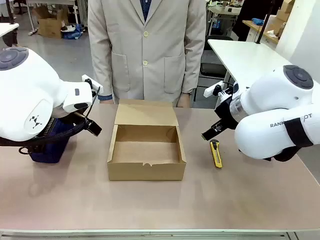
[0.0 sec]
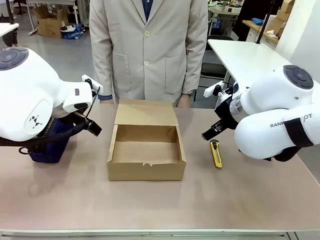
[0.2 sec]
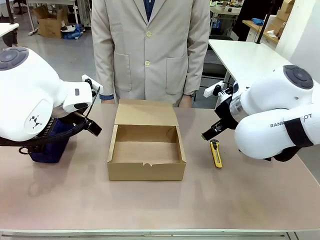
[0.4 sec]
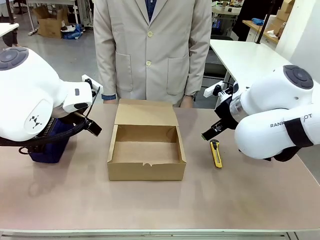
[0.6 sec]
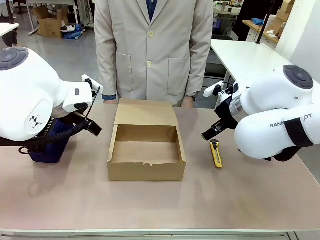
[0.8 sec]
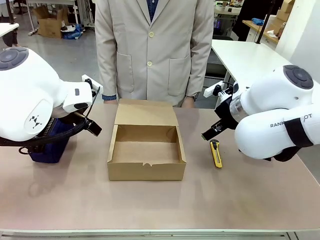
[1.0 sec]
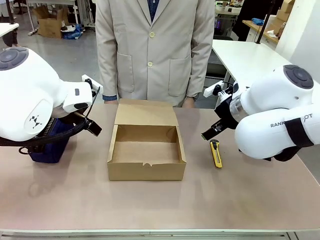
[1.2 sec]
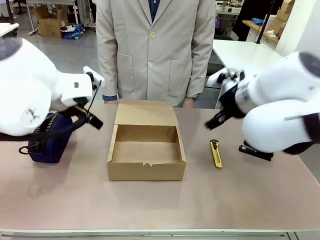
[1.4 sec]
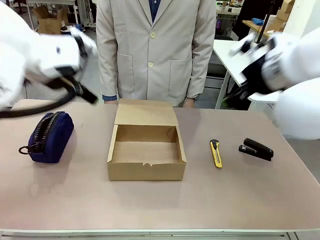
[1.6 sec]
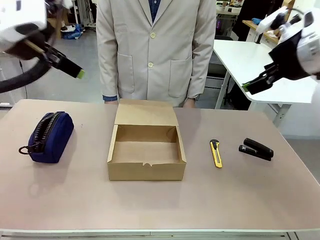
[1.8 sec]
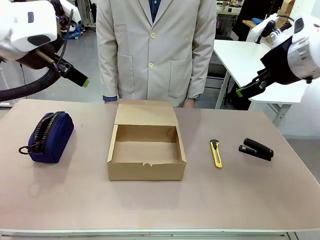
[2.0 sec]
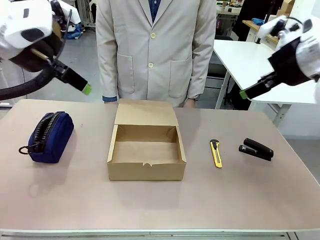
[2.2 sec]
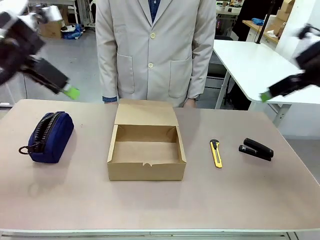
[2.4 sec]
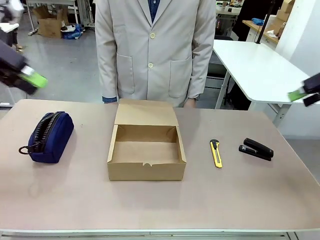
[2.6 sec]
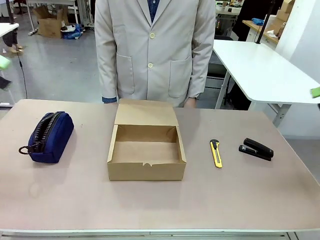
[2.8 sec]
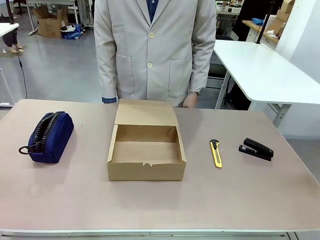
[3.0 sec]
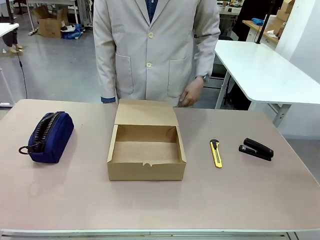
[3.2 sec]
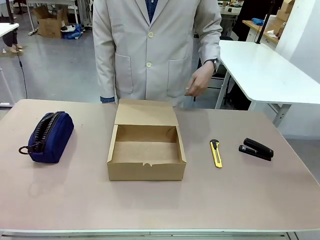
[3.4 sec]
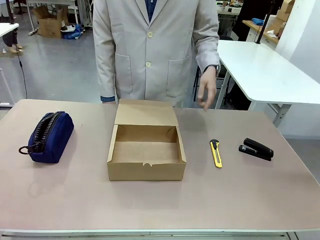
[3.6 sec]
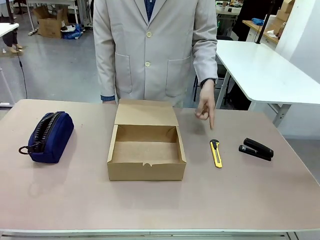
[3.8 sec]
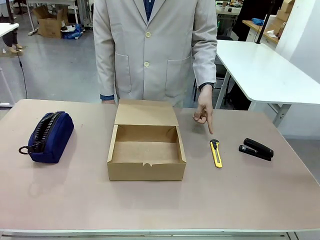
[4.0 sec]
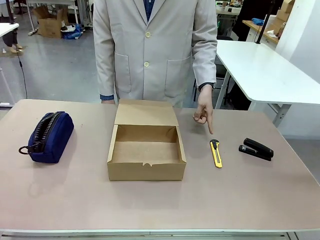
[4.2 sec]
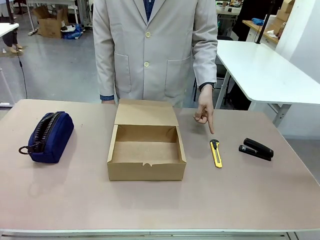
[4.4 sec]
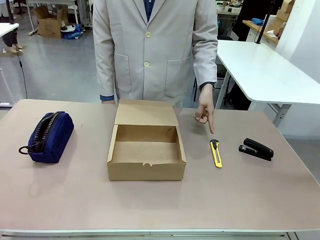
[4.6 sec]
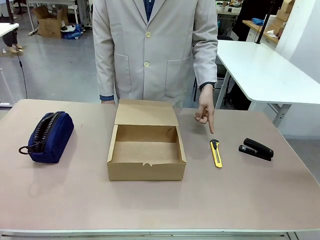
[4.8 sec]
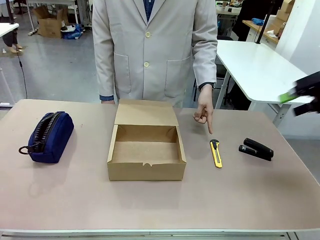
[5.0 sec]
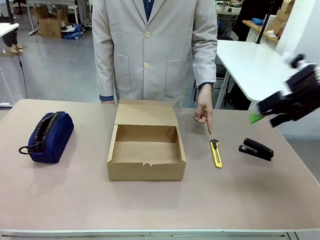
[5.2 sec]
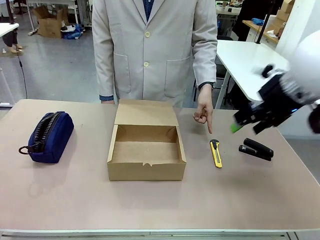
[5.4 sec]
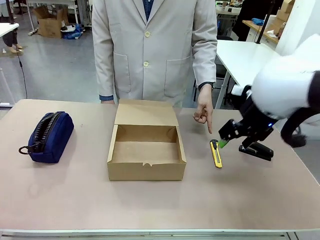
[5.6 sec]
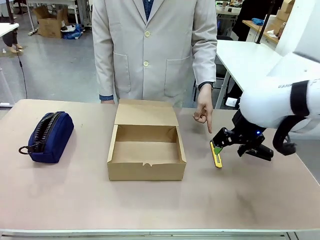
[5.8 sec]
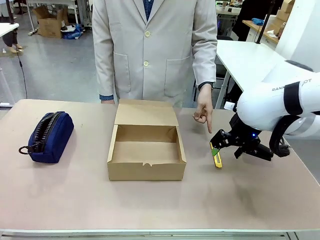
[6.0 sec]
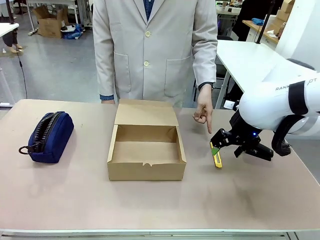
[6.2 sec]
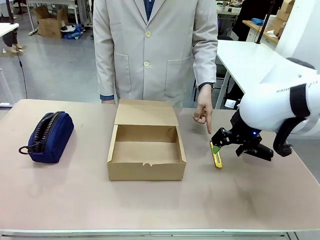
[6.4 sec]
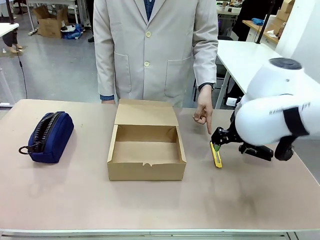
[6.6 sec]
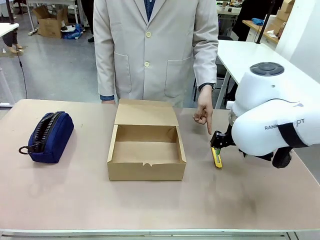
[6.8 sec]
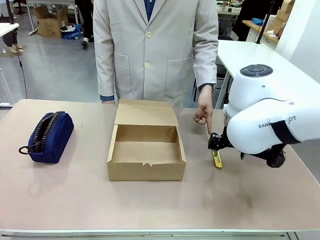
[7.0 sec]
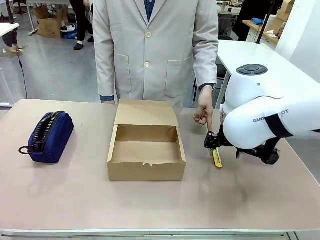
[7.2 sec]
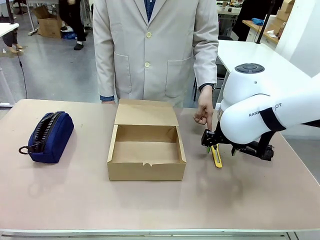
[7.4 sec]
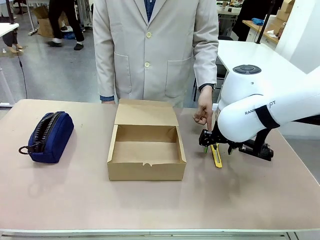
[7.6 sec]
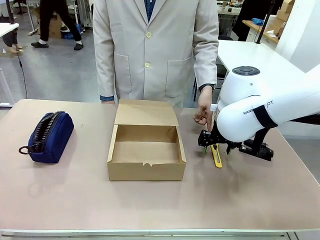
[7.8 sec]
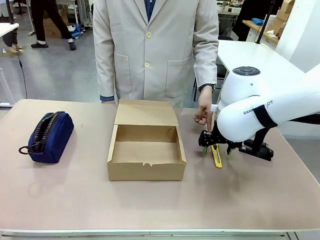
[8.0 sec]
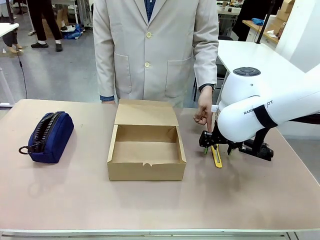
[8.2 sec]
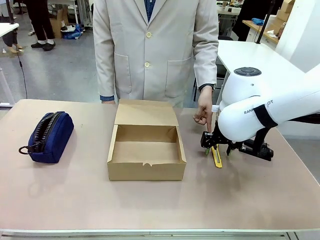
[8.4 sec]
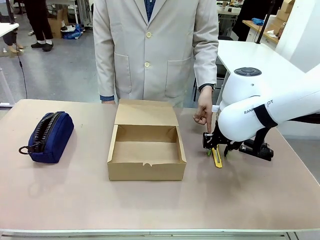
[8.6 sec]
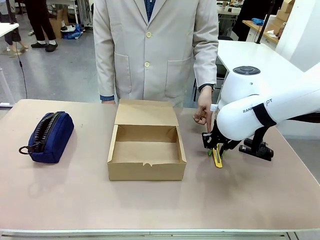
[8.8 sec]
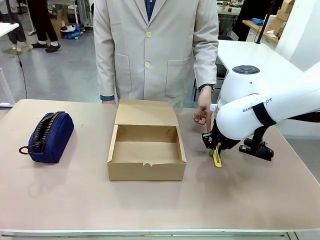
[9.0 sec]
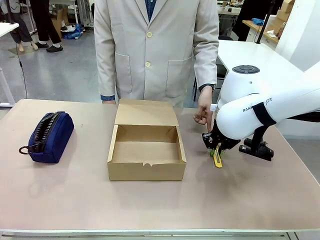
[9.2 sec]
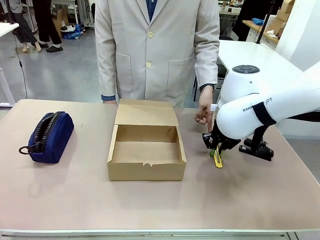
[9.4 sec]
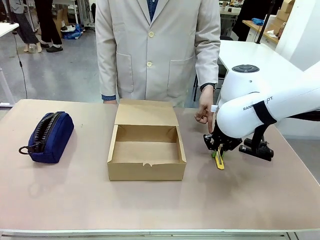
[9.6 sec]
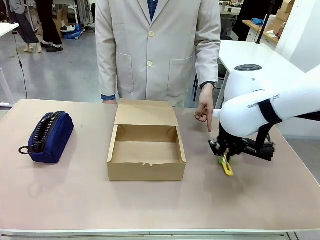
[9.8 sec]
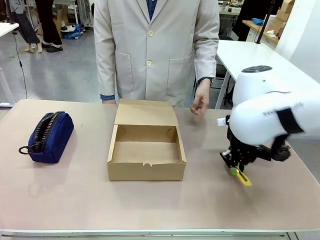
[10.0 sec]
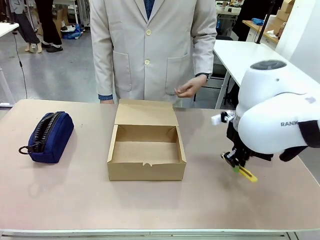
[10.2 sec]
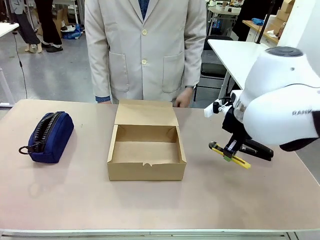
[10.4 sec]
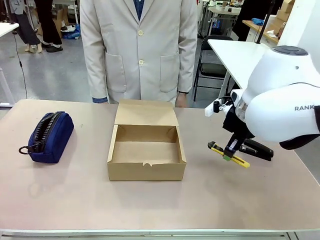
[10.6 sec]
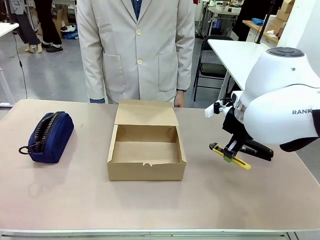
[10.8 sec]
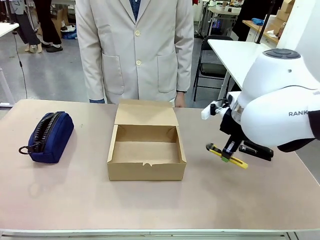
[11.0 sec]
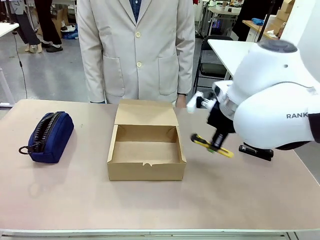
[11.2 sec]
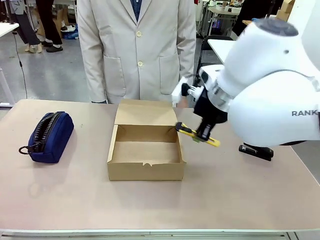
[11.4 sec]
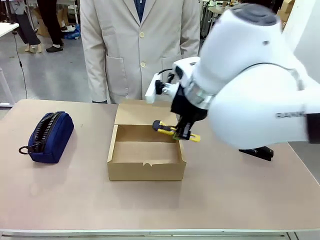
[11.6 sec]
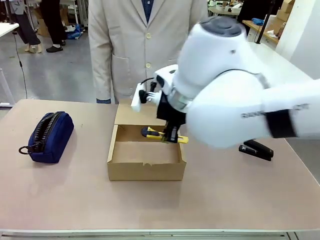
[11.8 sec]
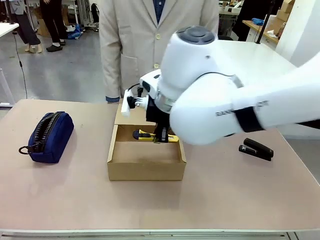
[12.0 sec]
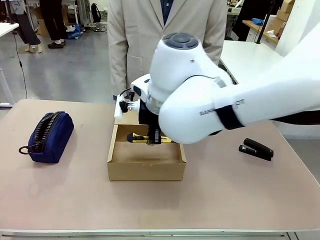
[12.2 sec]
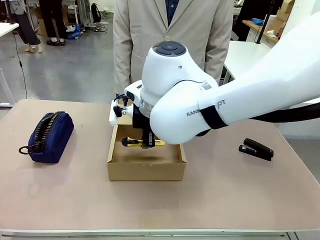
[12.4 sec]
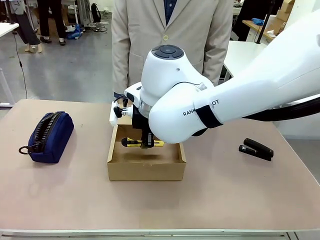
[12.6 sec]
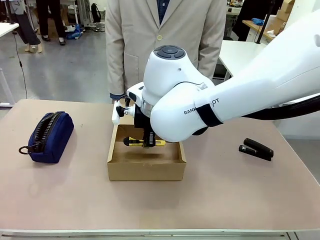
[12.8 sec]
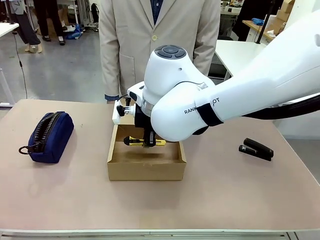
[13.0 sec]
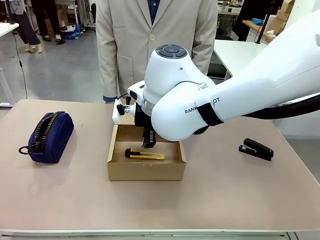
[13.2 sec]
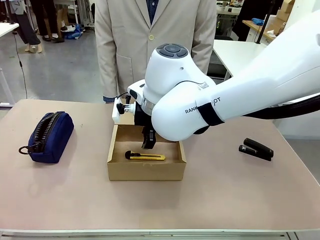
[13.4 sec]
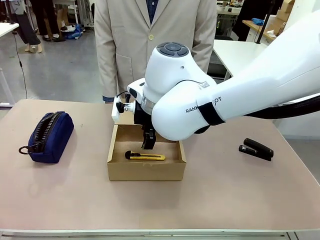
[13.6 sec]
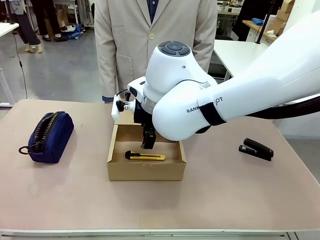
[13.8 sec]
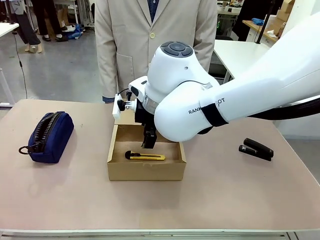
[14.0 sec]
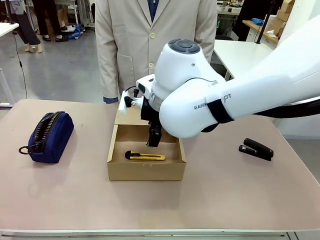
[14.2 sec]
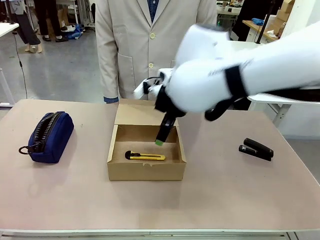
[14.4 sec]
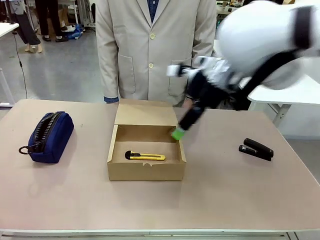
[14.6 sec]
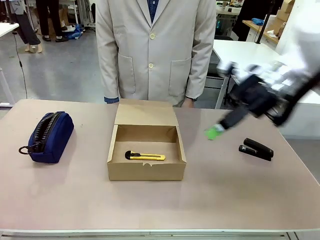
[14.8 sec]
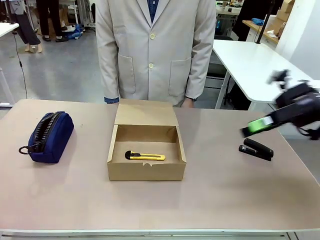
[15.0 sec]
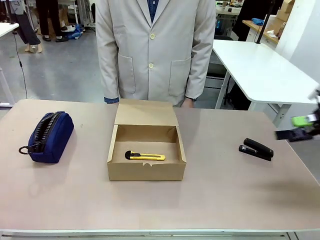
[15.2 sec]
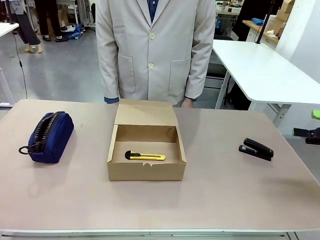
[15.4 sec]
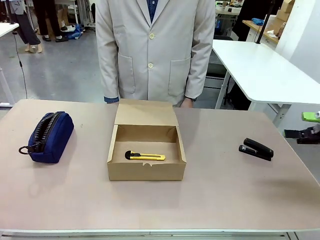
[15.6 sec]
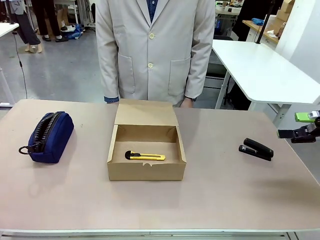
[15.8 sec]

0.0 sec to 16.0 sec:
Task: Pack the item into the box.
Robot: Pick up the item indicated by the person and place it inside the Mailer Box.
Person: Point at one item on the table (excluding the box).
